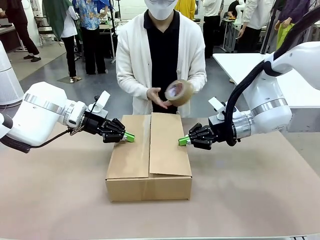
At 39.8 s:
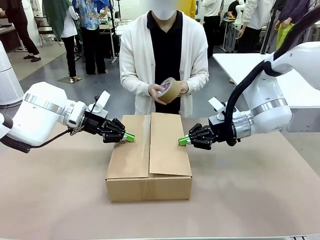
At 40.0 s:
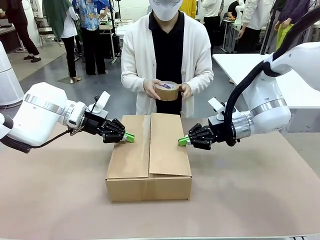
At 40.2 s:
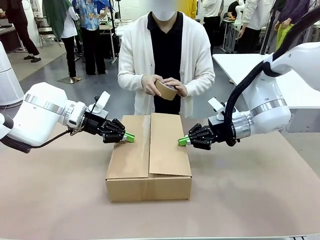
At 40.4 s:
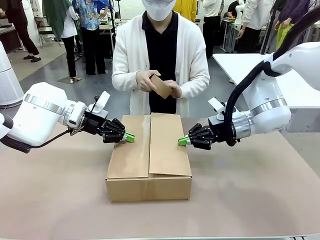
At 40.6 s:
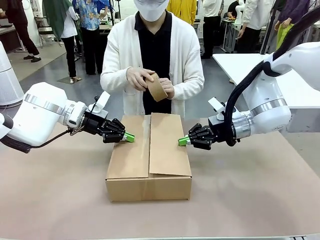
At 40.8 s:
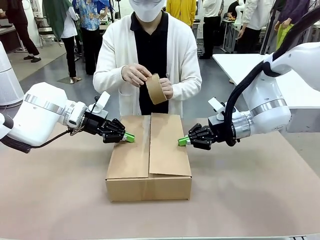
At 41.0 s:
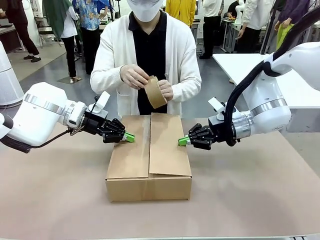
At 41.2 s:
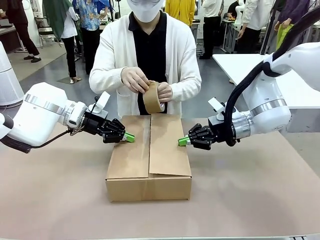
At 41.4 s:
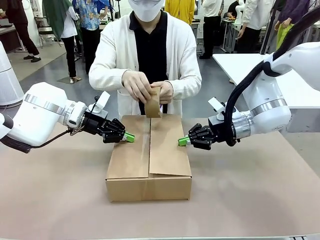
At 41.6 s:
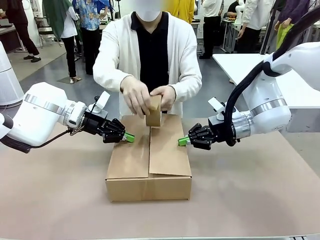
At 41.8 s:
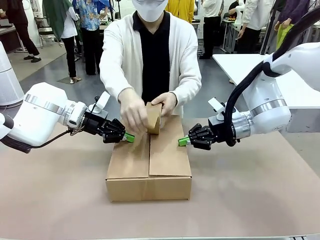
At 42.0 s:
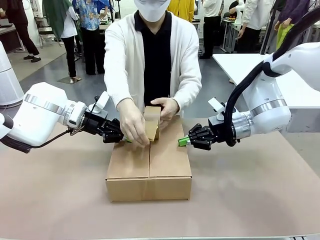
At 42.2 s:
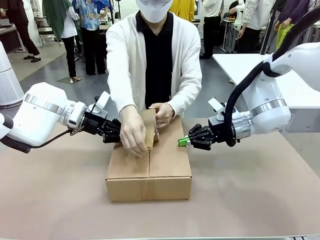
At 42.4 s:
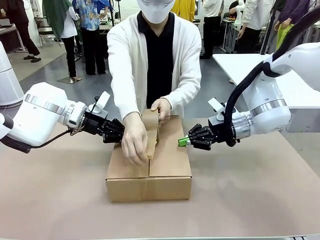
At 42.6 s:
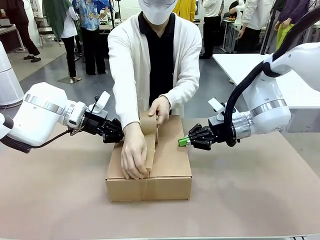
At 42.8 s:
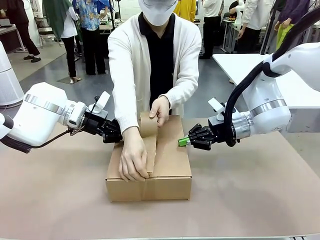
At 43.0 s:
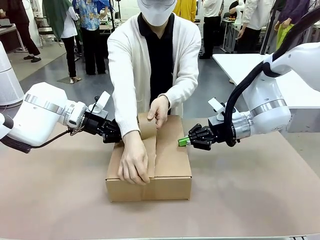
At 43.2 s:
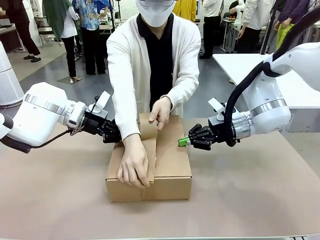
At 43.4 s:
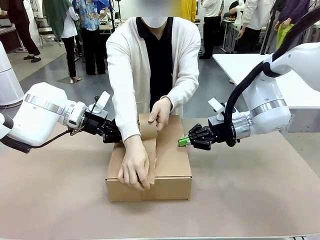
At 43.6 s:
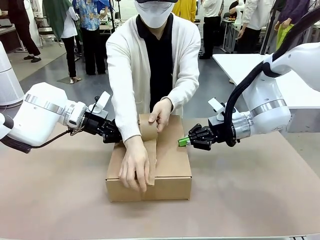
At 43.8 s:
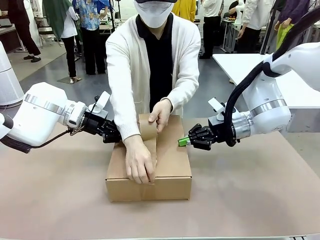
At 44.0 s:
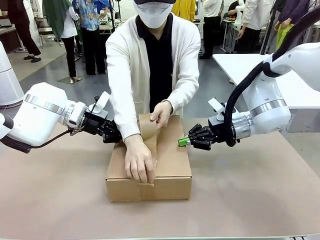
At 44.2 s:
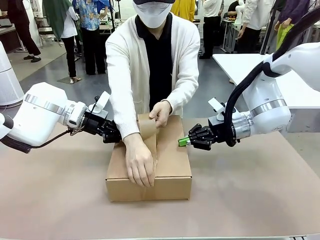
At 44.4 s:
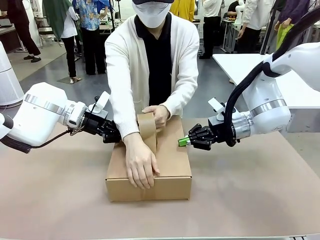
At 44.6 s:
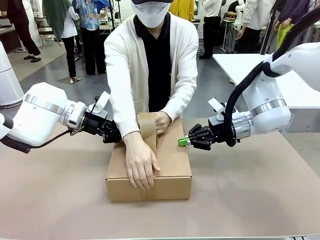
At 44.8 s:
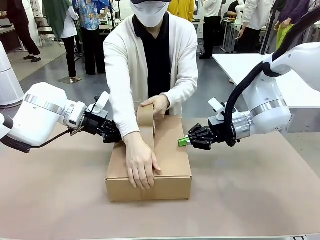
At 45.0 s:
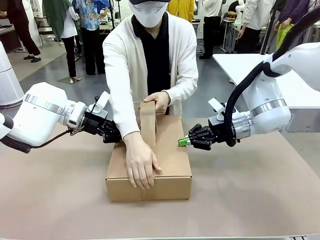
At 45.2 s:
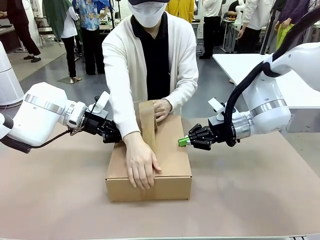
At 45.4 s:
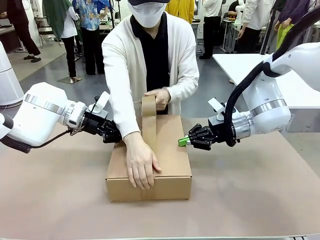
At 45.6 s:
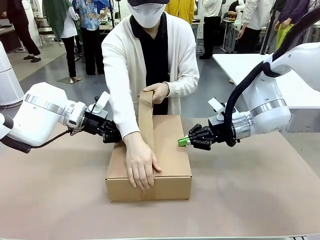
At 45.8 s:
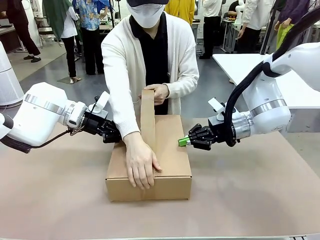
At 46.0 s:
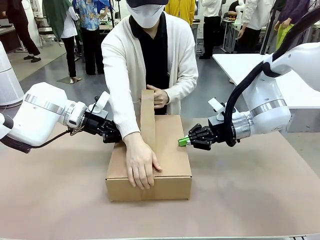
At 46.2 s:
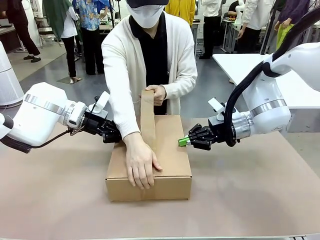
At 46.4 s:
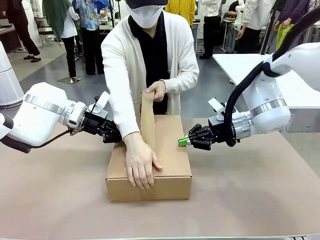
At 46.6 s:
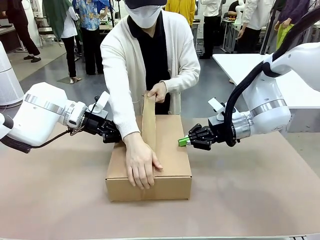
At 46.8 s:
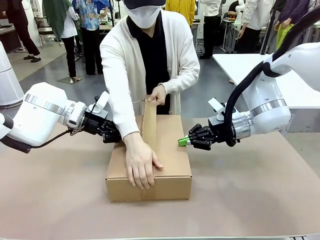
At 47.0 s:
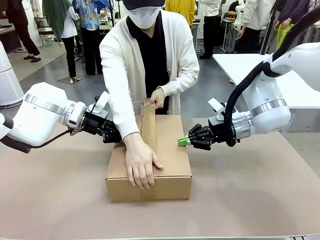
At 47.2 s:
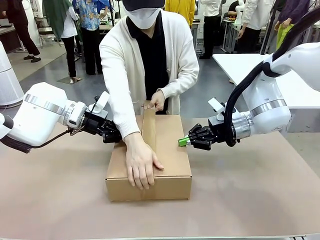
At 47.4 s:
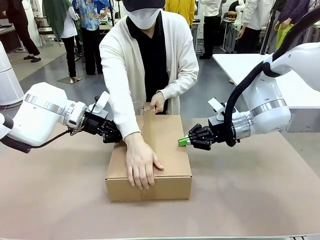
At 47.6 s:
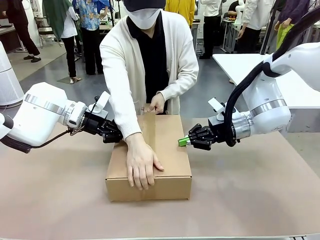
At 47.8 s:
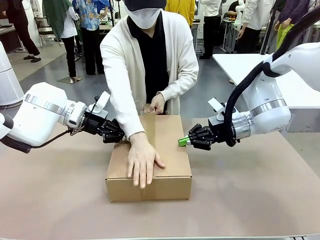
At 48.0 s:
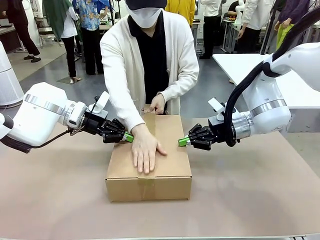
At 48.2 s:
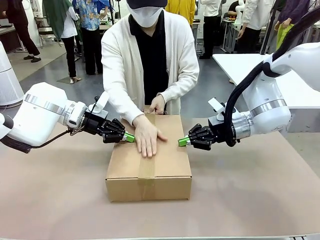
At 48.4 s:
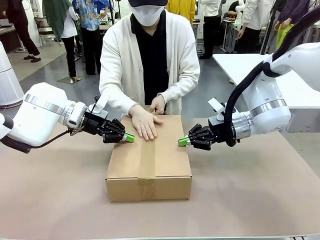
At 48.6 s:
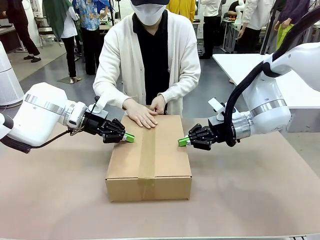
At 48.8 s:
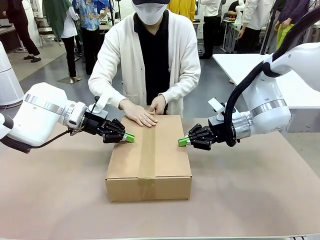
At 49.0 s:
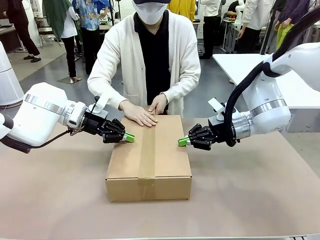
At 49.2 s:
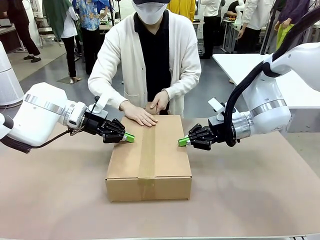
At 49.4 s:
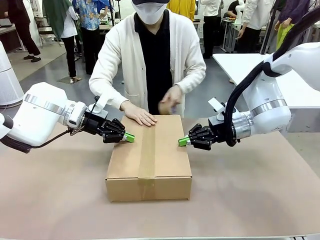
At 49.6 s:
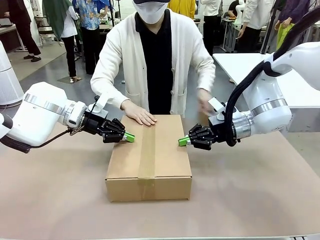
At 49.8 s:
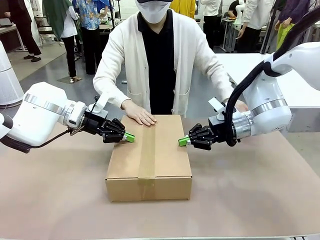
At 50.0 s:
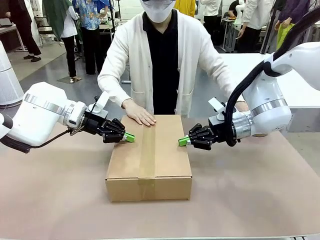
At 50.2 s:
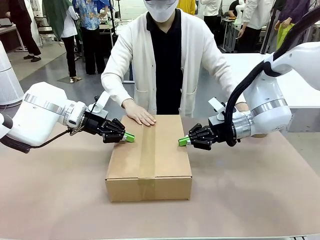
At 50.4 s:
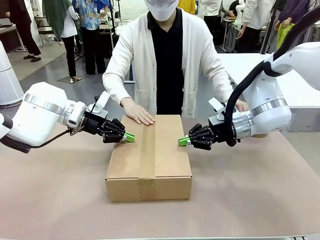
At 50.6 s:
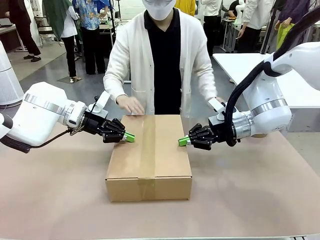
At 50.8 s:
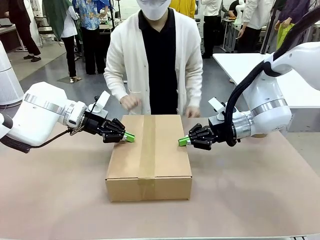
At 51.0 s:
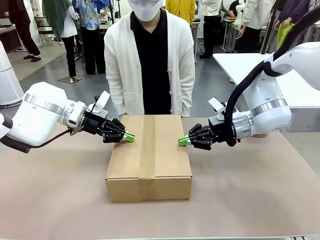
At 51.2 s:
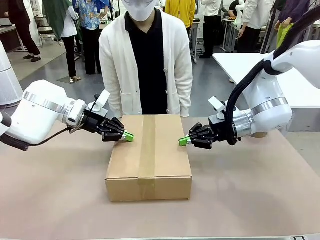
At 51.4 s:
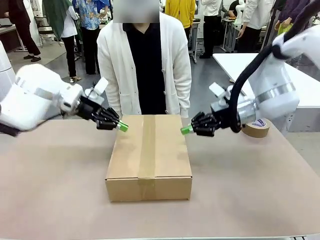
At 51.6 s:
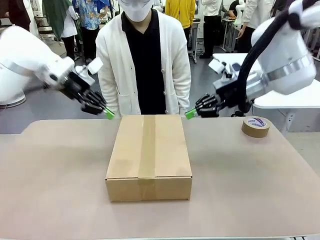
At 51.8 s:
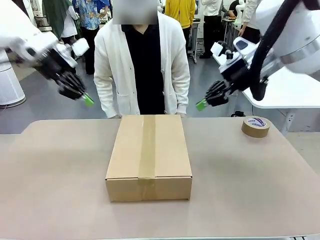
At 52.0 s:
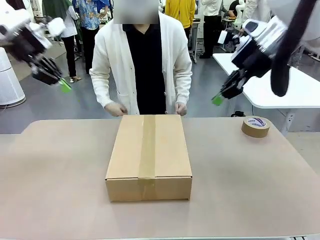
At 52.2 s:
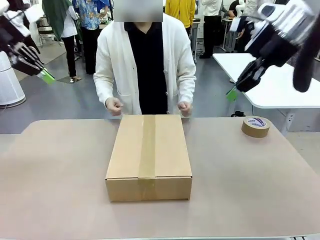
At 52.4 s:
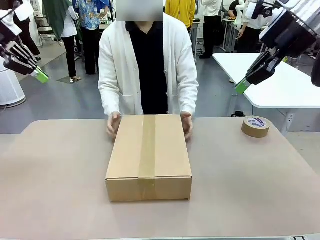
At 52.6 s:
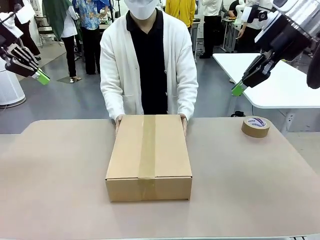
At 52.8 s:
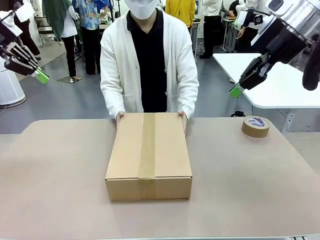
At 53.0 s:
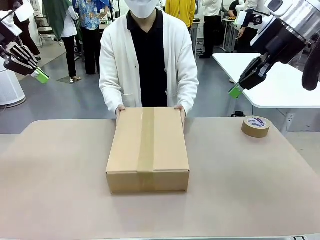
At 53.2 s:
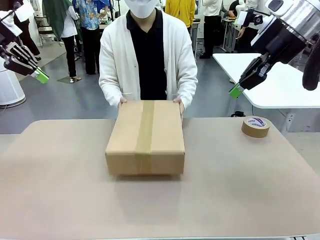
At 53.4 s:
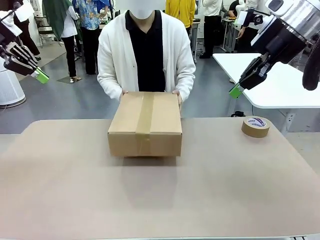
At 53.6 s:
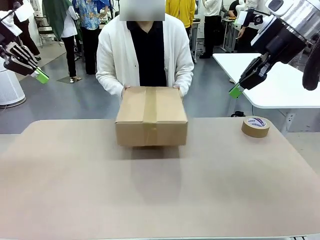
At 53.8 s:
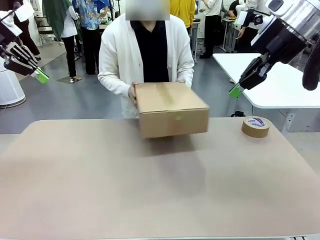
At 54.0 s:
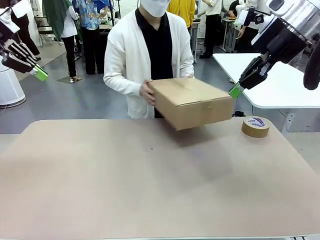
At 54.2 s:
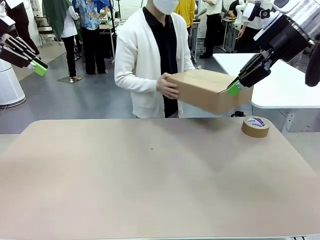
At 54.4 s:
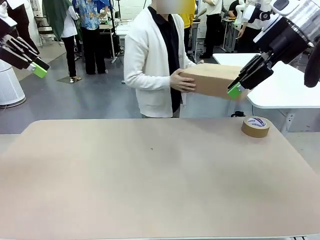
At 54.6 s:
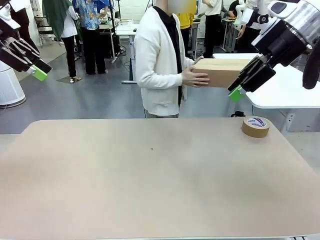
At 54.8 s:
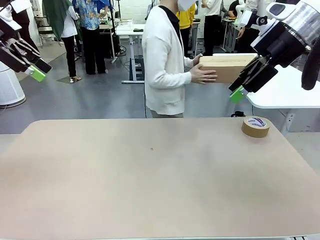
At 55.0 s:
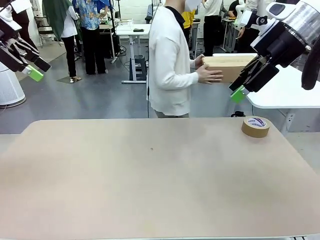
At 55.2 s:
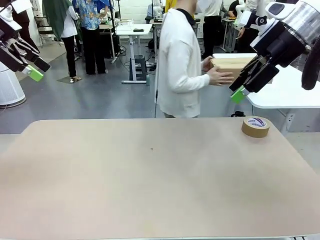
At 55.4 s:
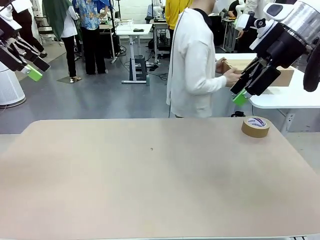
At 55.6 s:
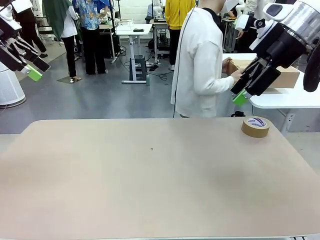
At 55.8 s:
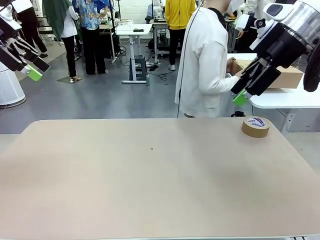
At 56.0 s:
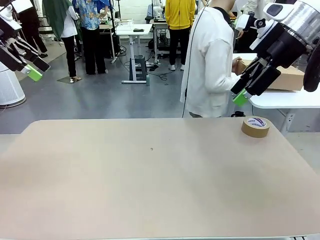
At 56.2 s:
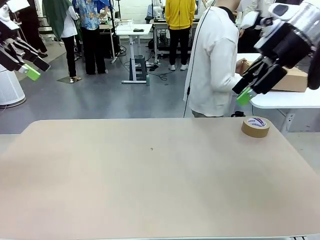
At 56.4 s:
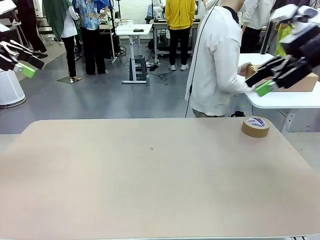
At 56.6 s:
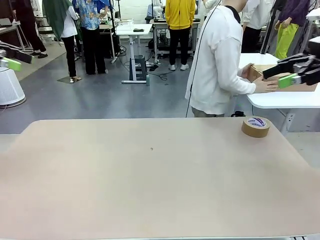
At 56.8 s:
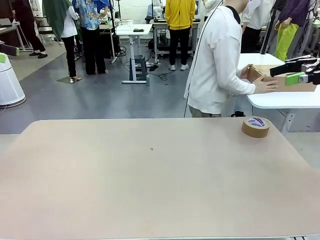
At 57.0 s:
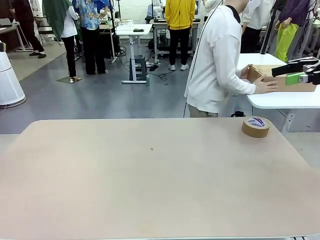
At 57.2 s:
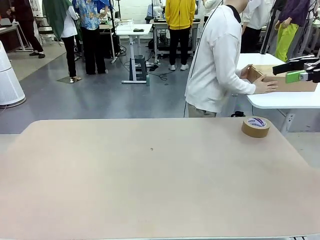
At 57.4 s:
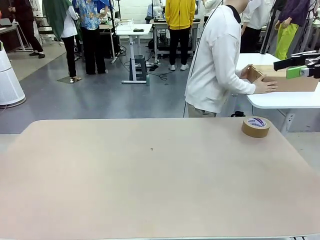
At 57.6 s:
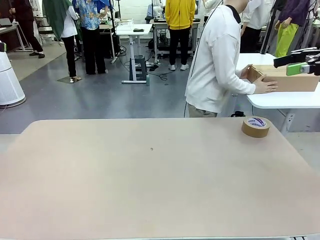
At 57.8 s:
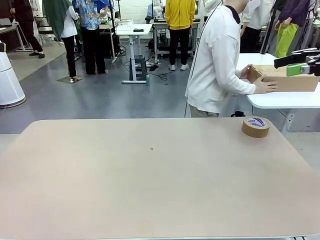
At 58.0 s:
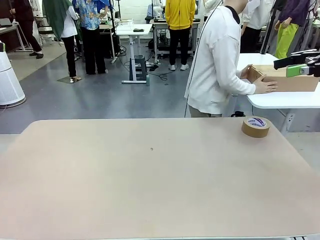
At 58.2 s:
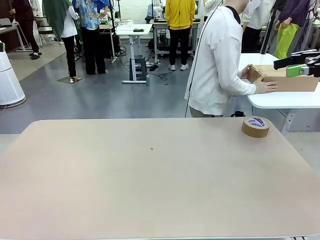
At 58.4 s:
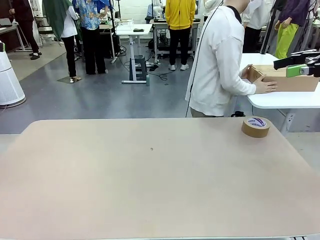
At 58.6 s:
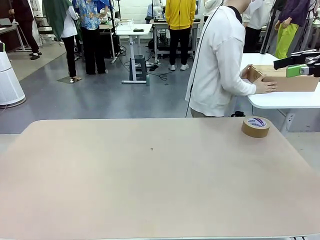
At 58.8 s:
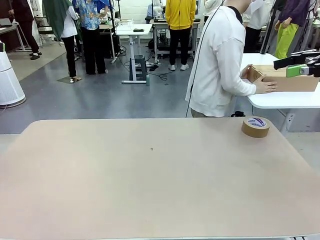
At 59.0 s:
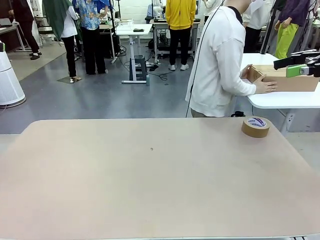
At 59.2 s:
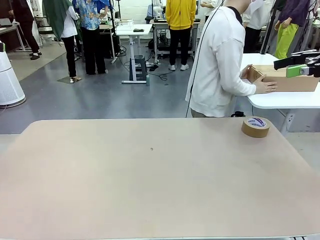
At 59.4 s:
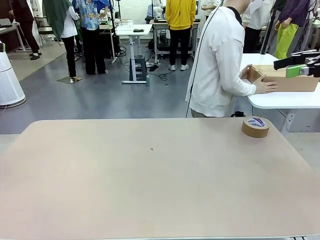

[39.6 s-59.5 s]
Task: Wrap the clocks to prevent damage.
Robot: After the human seals the box with tape, release both hands from the side flaps of the Package Box.
Person: Once the robot closes the left flap of the Package Box , seal the box with Paper Tape. Place sealed Package Box in the middle of the human's table.
